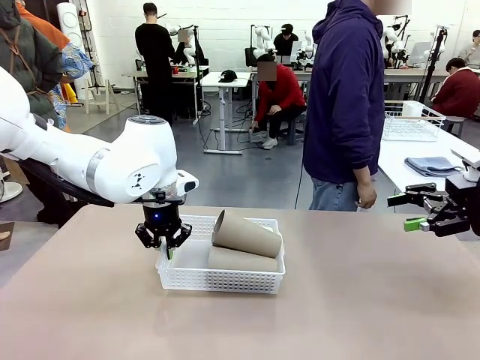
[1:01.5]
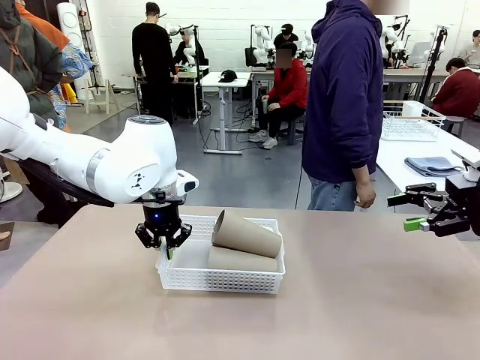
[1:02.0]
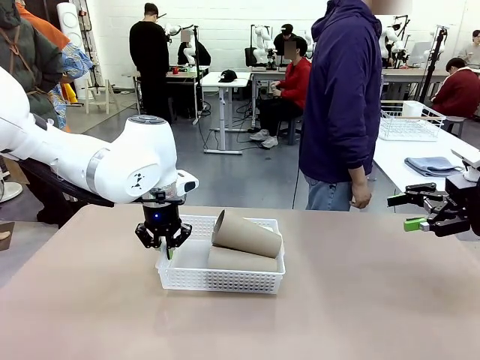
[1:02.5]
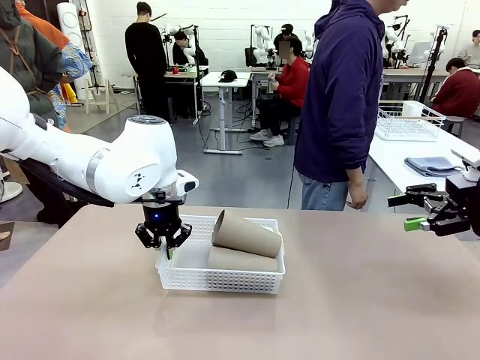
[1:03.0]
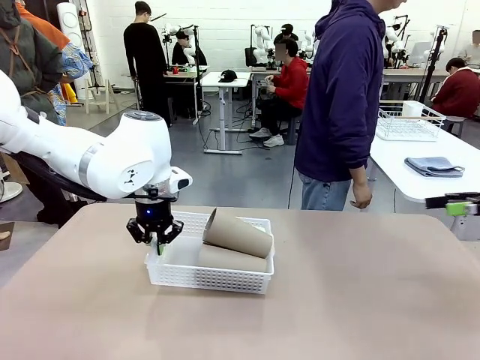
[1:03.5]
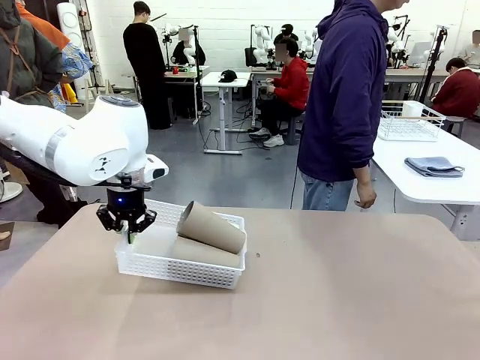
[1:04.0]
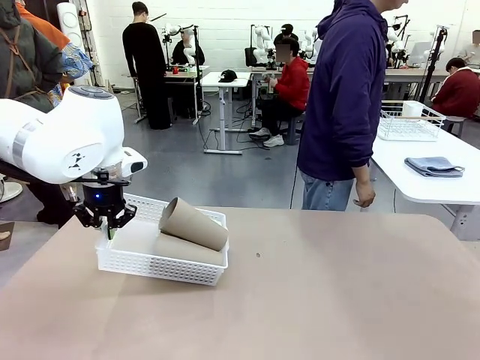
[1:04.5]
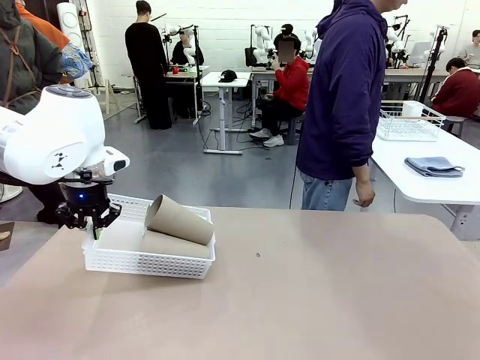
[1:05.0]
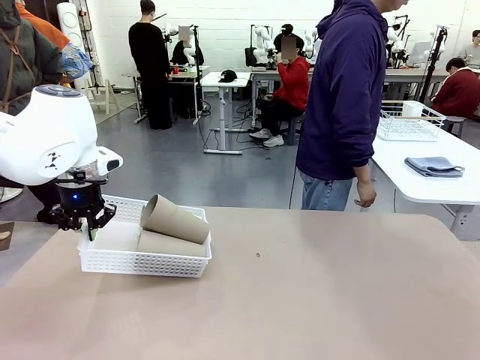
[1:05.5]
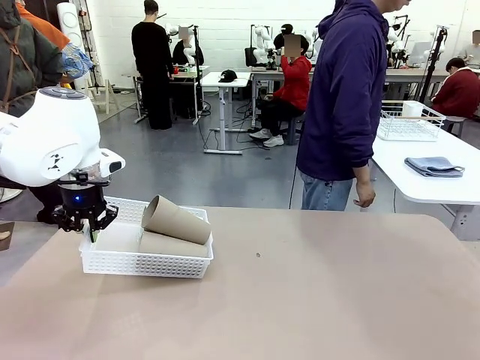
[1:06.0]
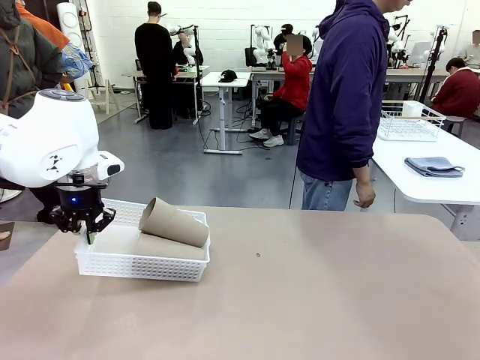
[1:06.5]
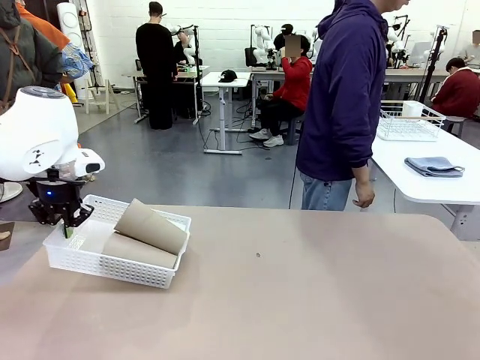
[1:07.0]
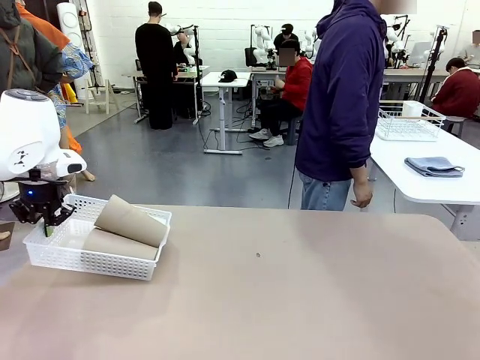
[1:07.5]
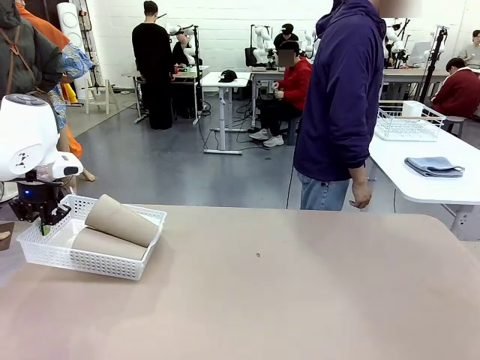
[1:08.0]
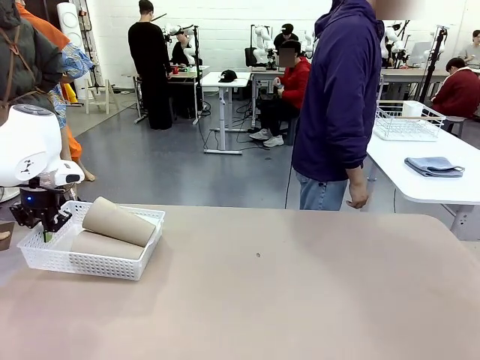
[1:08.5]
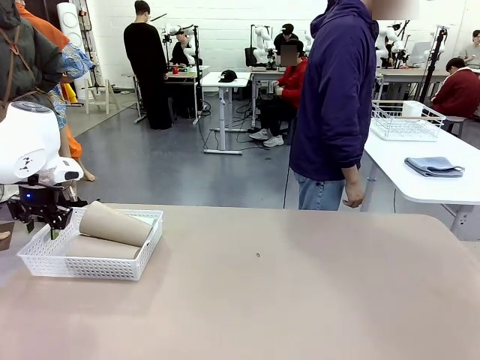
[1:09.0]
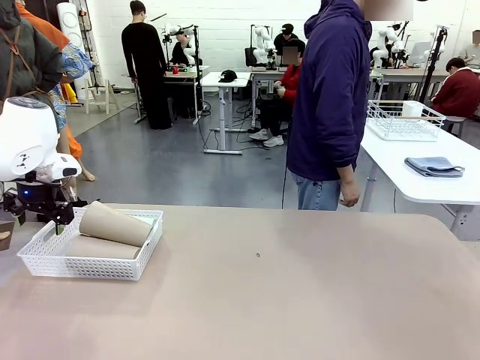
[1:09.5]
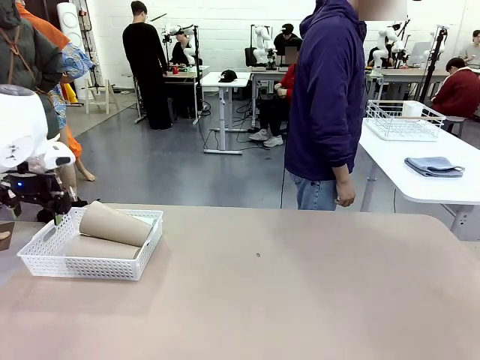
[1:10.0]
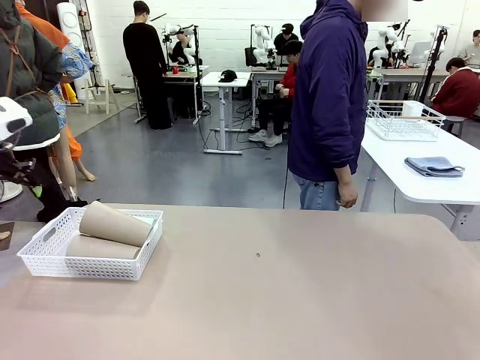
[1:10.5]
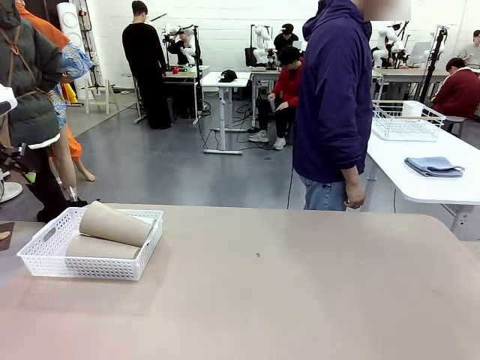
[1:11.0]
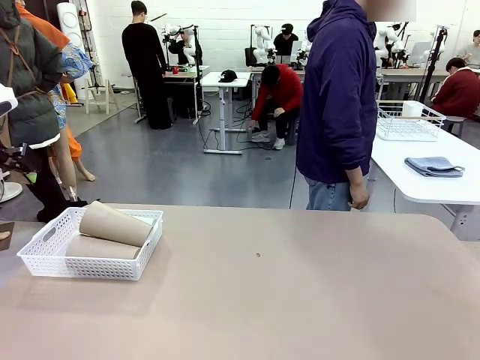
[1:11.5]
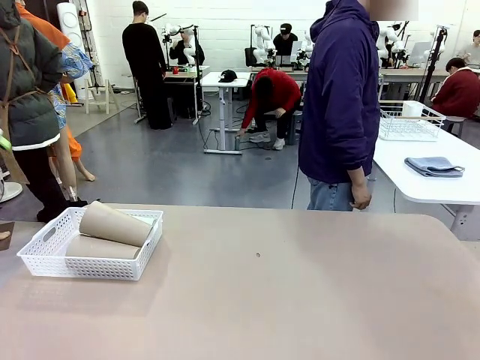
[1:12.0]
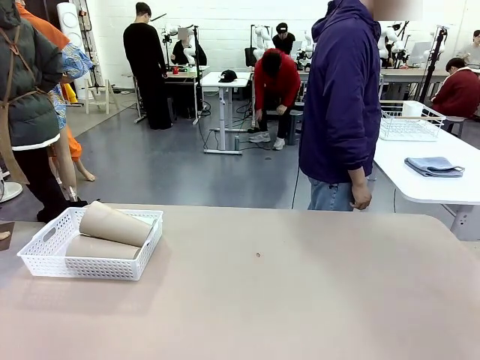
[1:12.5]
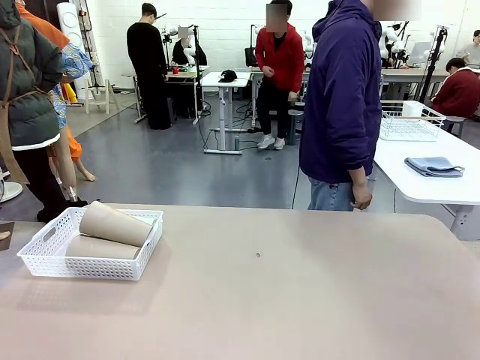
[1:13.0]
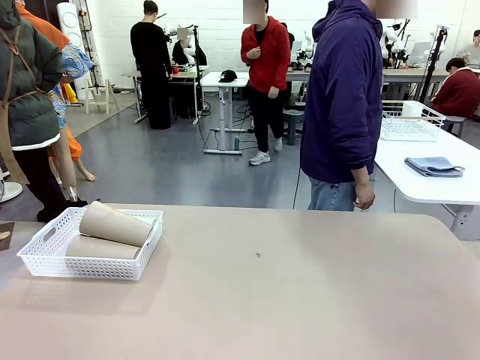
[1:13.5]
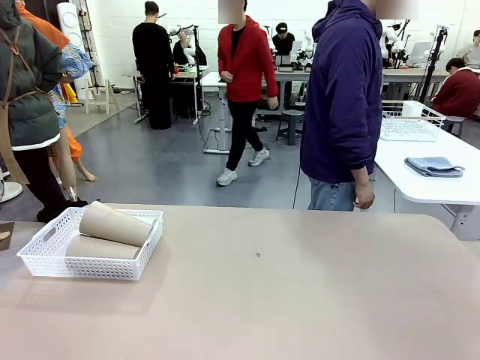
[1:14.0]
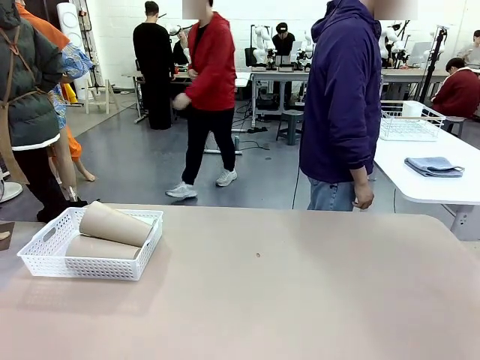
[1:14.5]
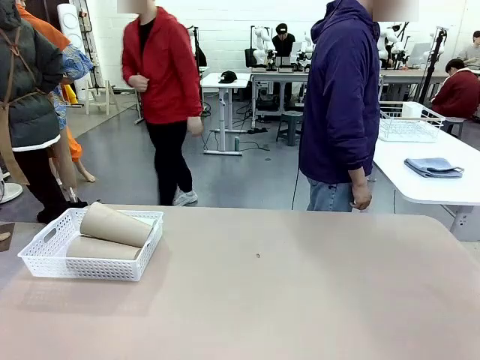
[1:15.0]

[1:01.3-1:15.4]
Task: Clean and organize the cups into the basket.
Robot: Move the Organizing basket back to the left side of the table.
Person: Folds the towel in half twice and places it in the right of the table.

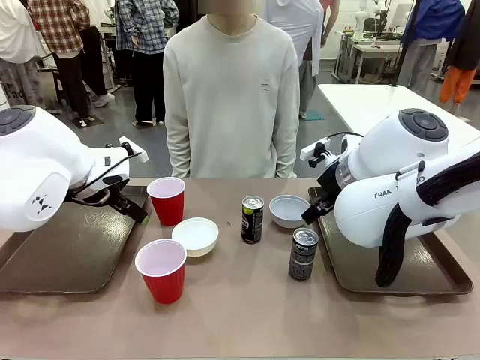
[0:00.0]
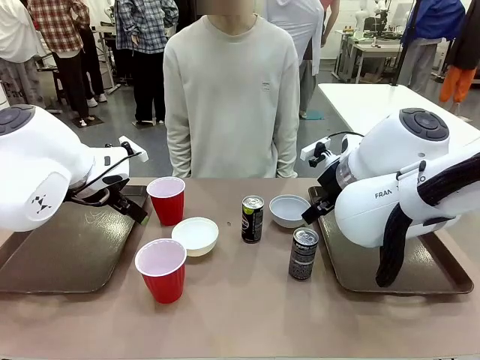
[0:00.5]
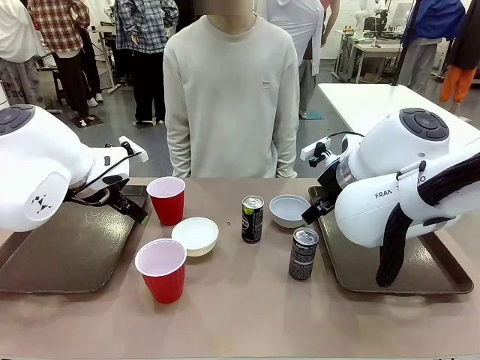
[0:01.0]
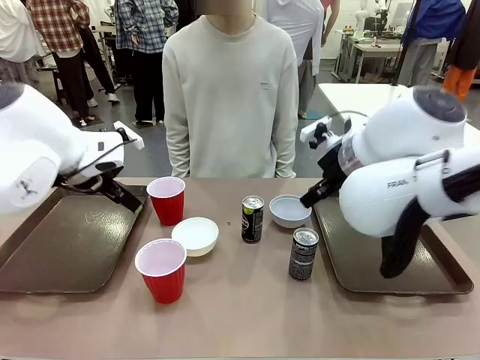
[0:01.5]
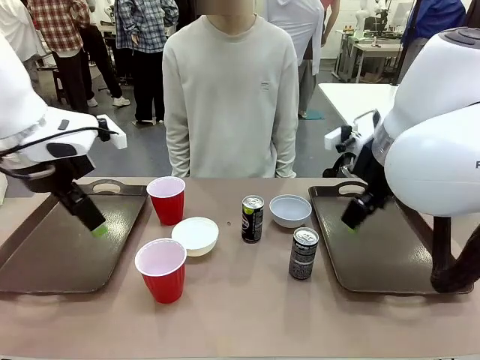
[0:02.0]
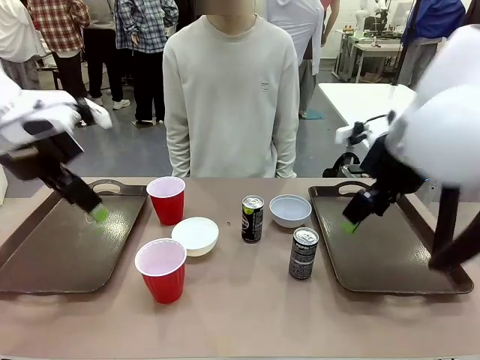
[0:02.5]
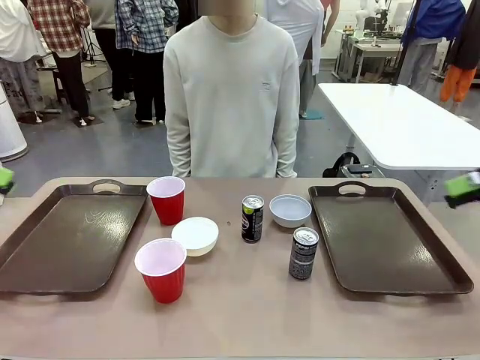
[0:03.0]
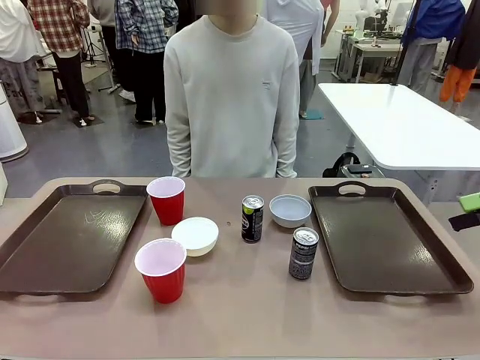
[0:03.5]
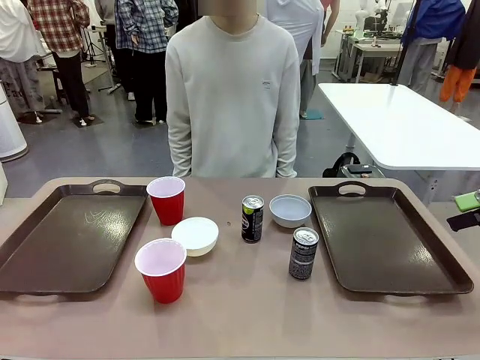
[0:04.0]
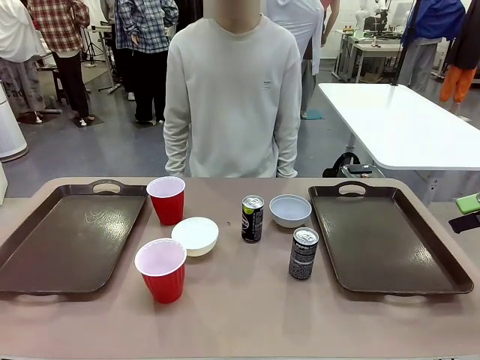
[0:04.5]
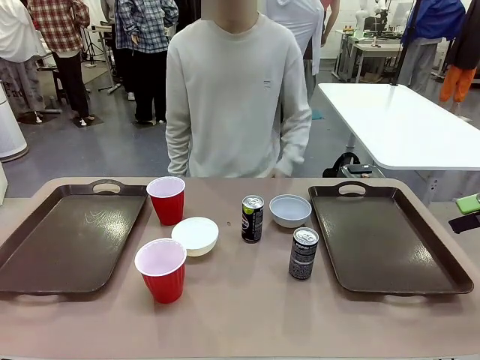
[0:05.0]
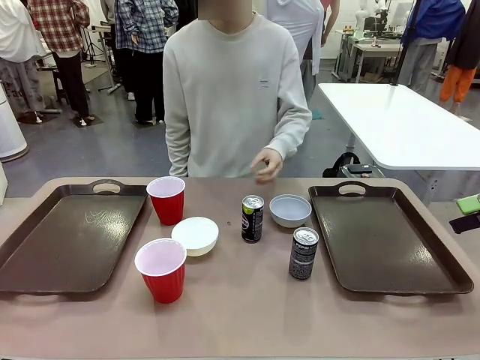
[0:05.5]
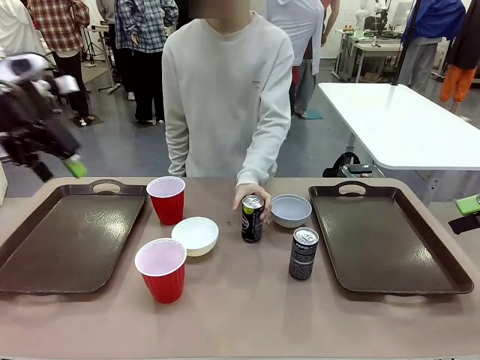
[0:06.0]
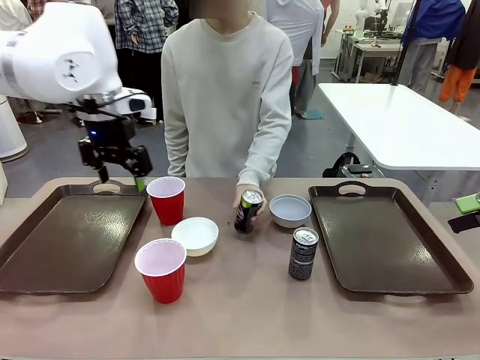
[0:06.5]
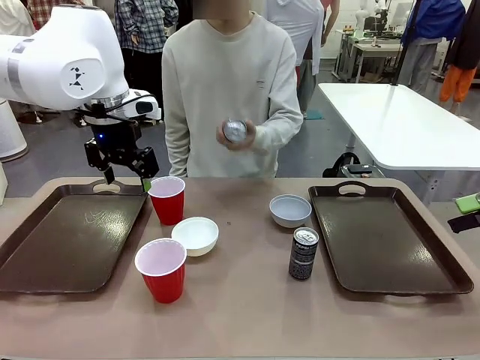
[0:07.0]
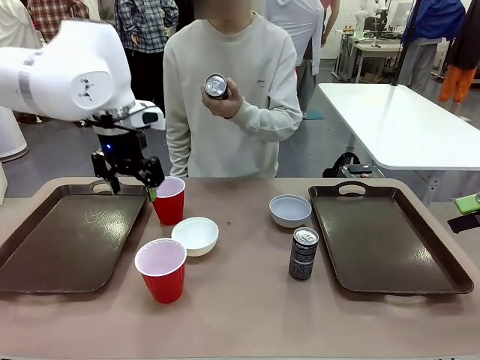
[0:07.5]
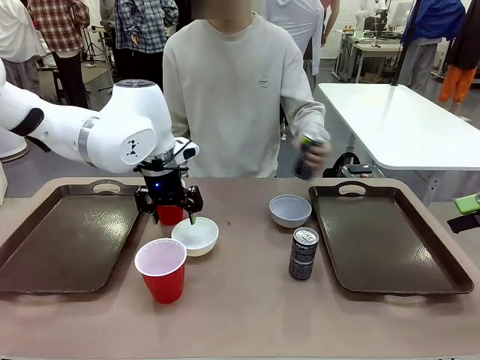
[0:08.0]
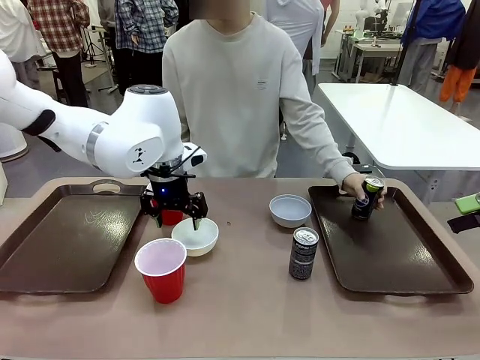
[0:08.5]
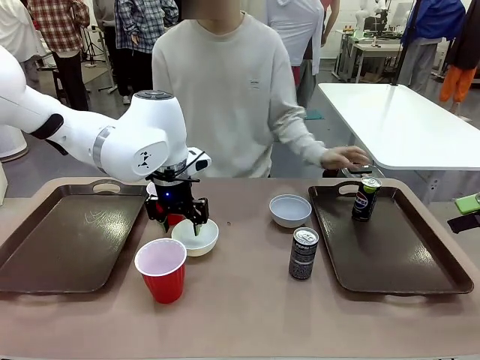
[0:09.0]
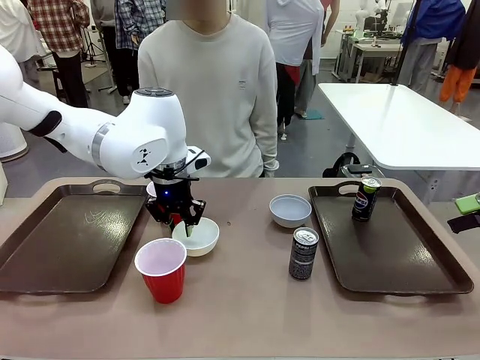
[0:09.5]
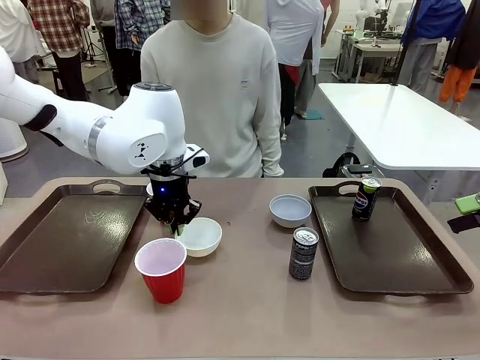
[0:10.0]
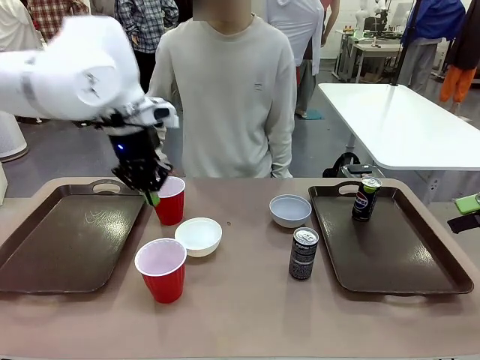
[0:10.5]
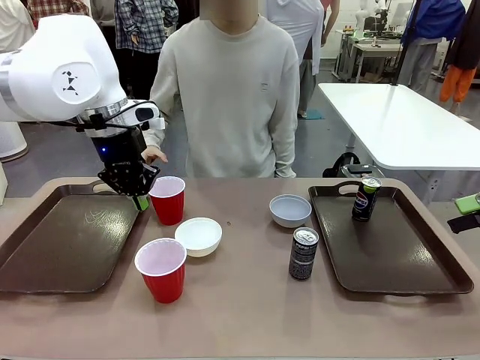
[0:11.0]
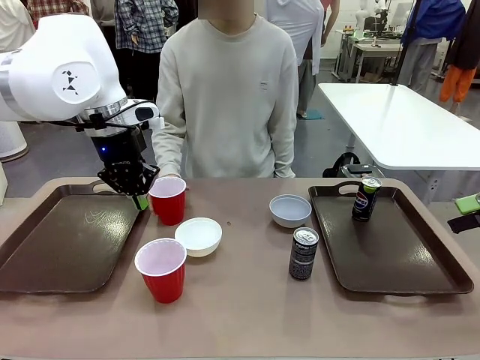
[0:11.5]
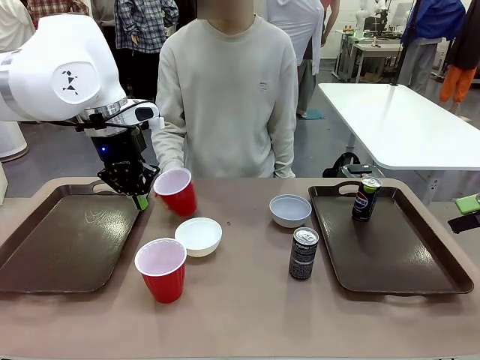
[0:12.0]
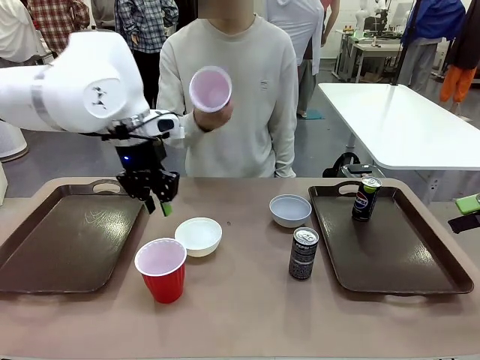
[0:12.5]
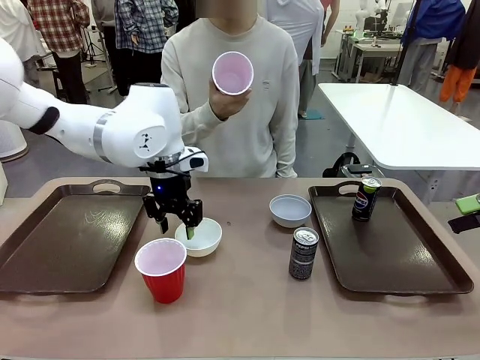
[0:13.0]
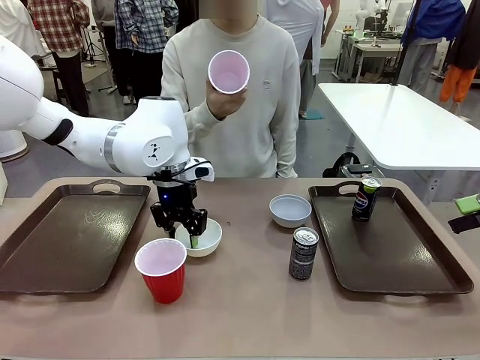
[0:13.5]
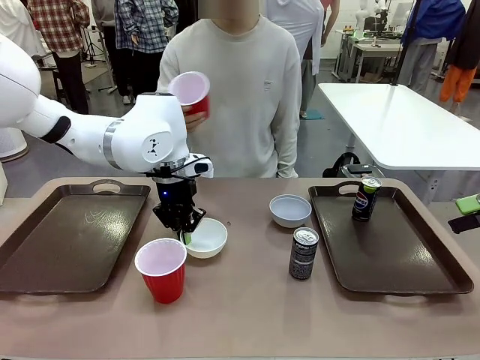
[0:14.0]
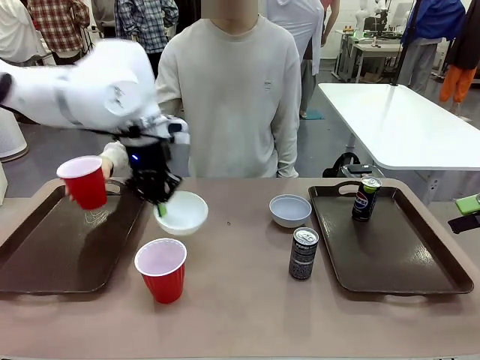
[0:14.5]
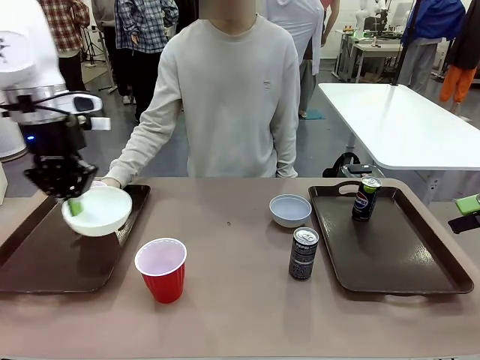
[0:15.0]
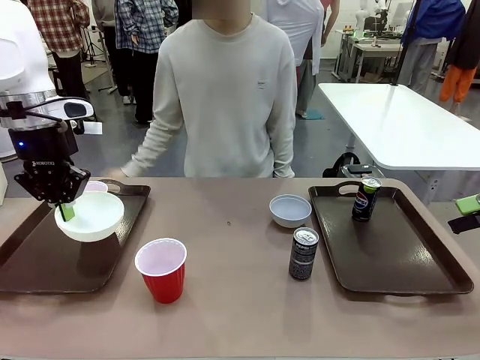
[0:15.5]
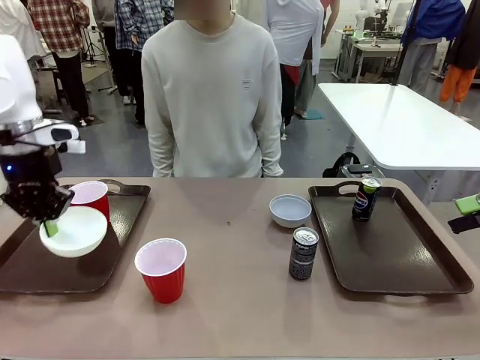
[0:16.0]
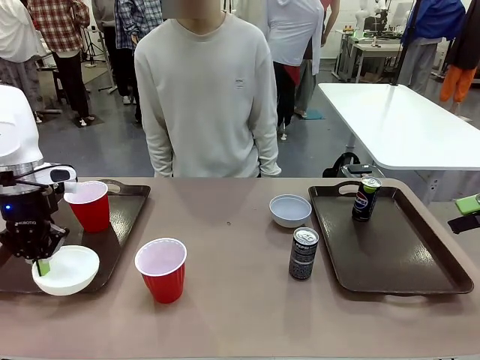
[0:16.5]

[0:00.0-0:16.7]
Task: Prepare tableware on both trays.
Robot: Pick up a Picnic Bowl from the table and place it on a Handle tray.
Person: Pick up a can or cup and place it on the tray.
